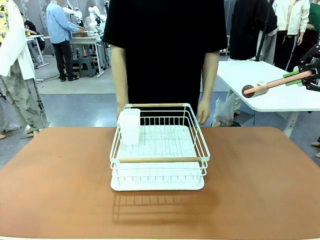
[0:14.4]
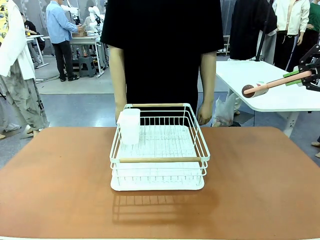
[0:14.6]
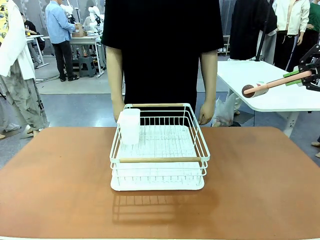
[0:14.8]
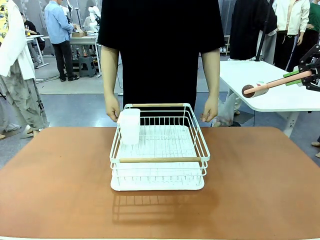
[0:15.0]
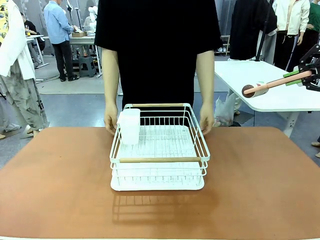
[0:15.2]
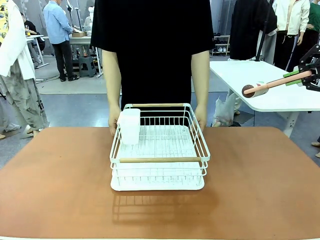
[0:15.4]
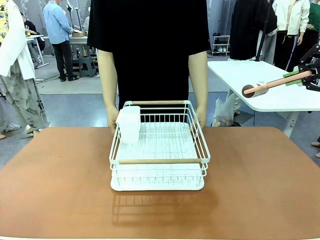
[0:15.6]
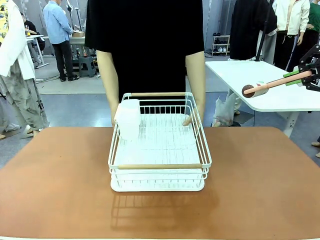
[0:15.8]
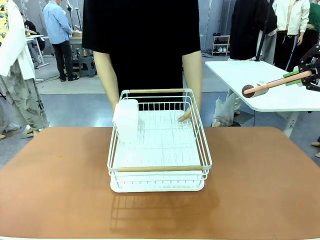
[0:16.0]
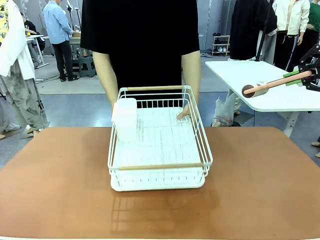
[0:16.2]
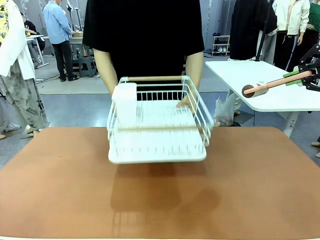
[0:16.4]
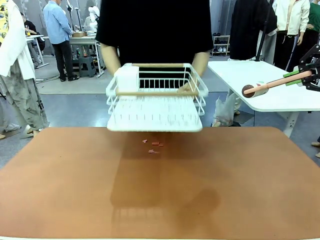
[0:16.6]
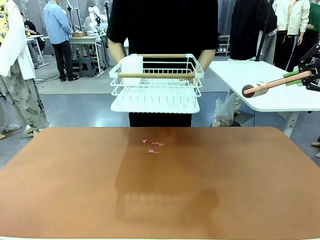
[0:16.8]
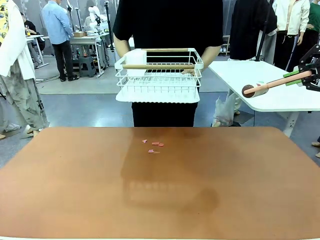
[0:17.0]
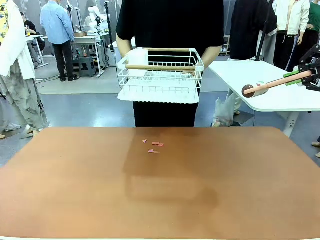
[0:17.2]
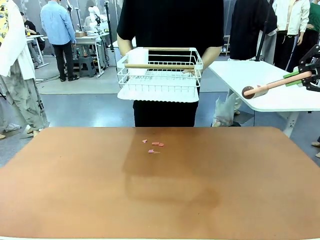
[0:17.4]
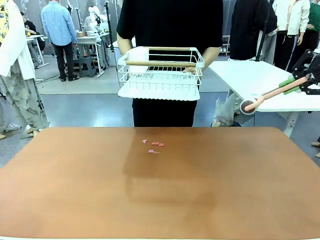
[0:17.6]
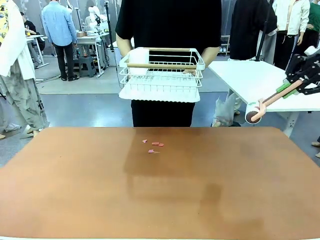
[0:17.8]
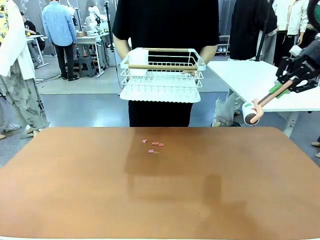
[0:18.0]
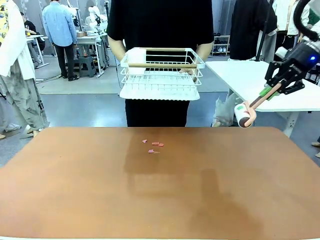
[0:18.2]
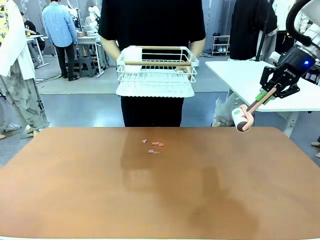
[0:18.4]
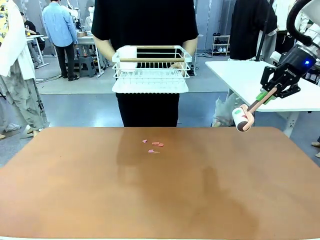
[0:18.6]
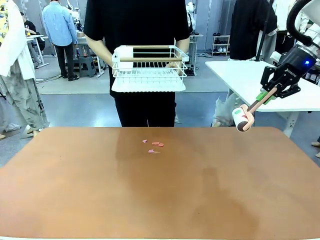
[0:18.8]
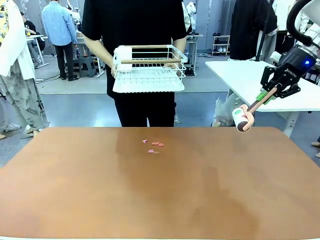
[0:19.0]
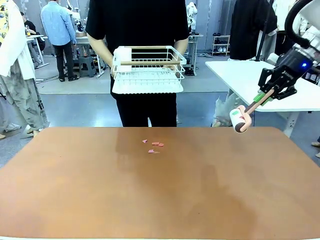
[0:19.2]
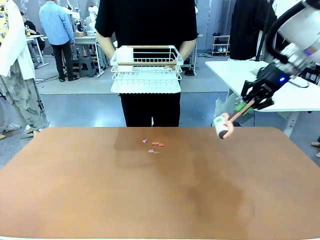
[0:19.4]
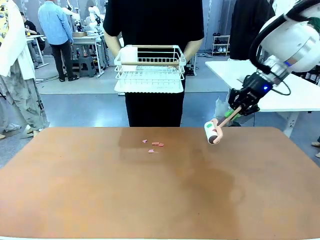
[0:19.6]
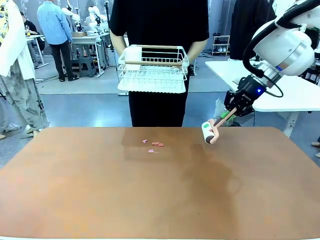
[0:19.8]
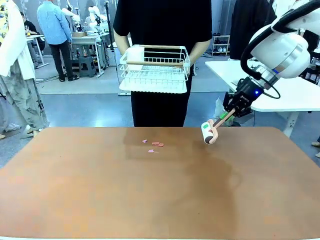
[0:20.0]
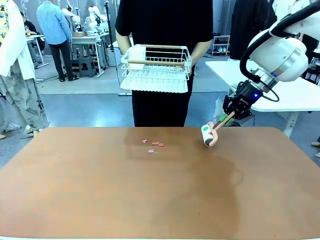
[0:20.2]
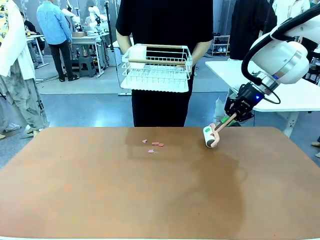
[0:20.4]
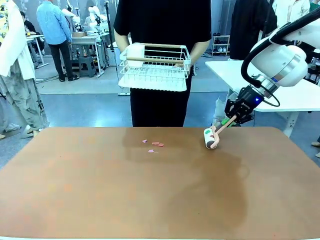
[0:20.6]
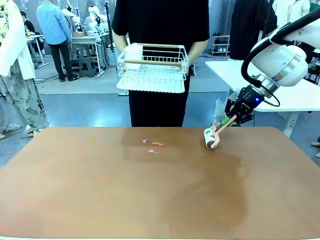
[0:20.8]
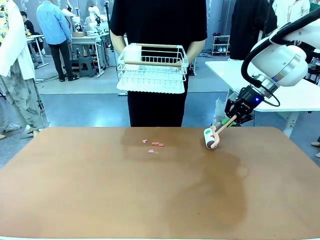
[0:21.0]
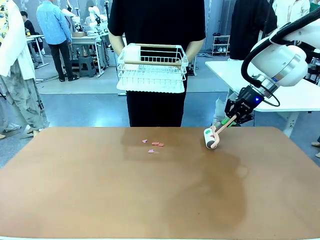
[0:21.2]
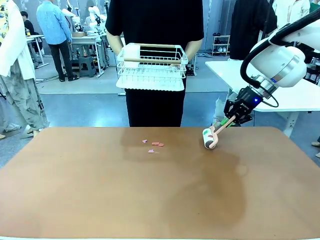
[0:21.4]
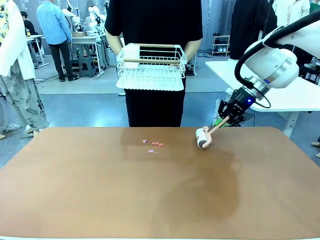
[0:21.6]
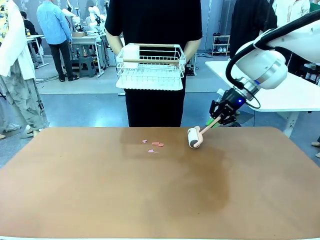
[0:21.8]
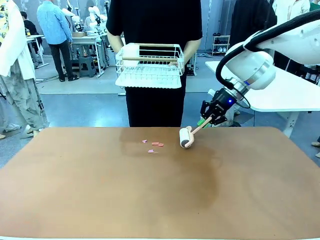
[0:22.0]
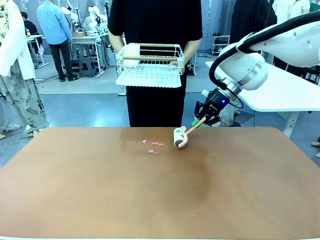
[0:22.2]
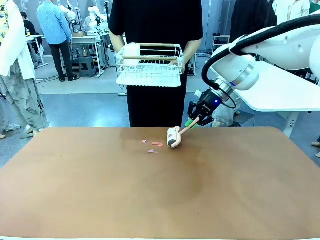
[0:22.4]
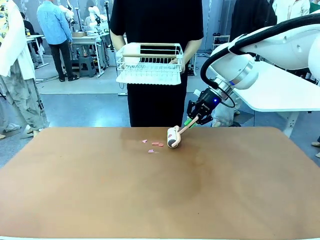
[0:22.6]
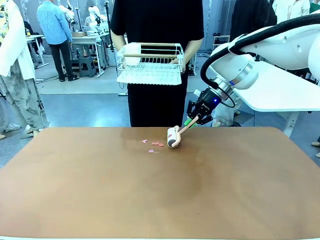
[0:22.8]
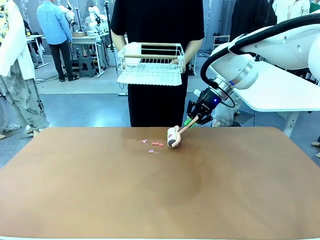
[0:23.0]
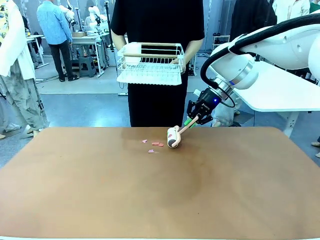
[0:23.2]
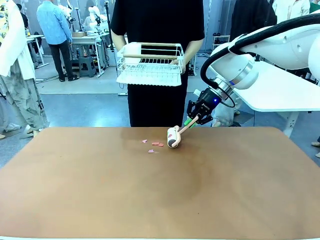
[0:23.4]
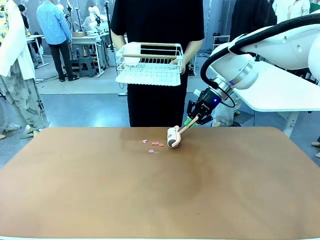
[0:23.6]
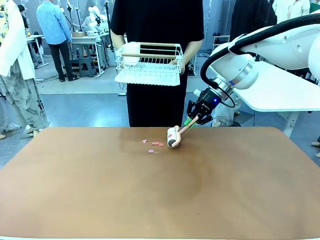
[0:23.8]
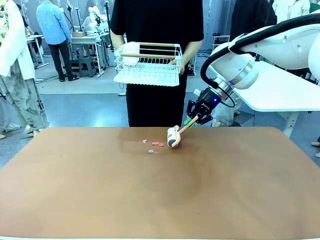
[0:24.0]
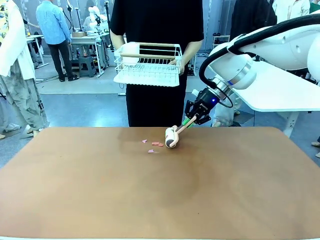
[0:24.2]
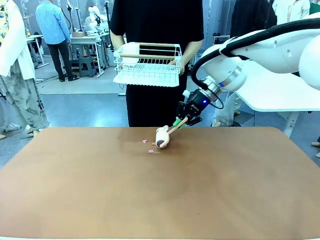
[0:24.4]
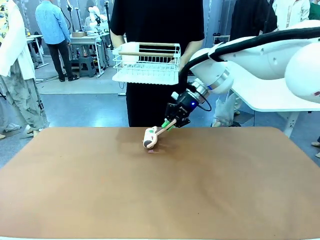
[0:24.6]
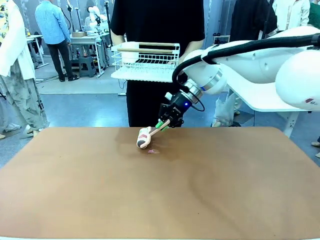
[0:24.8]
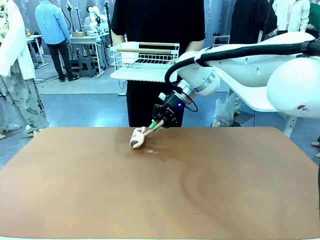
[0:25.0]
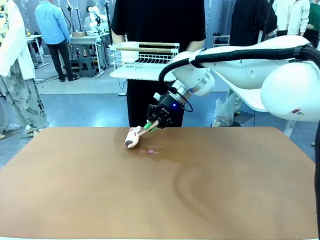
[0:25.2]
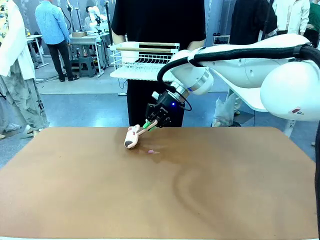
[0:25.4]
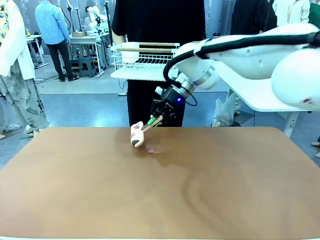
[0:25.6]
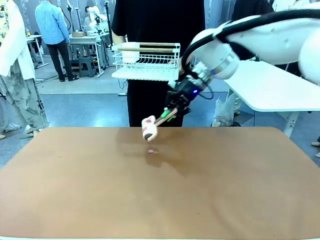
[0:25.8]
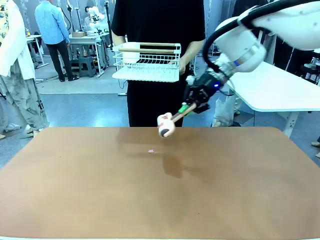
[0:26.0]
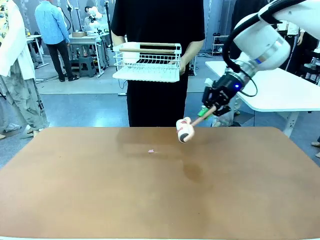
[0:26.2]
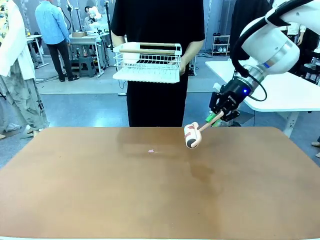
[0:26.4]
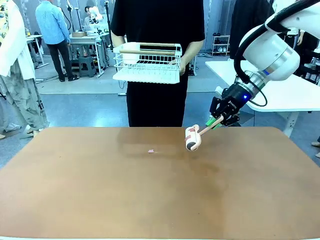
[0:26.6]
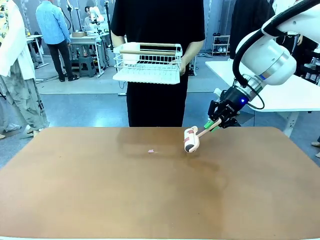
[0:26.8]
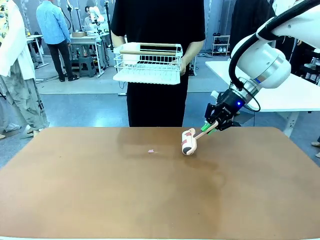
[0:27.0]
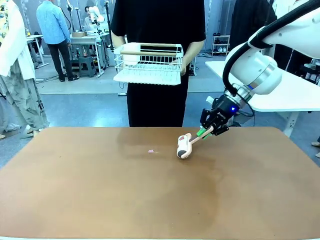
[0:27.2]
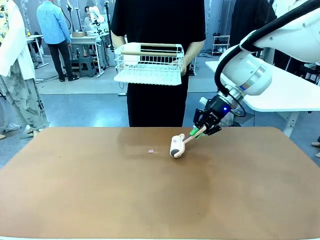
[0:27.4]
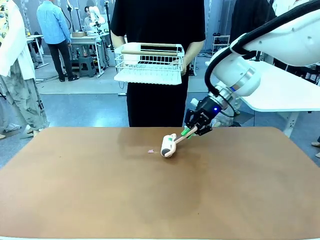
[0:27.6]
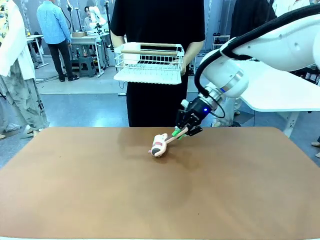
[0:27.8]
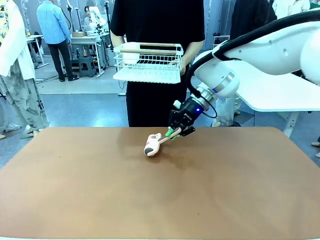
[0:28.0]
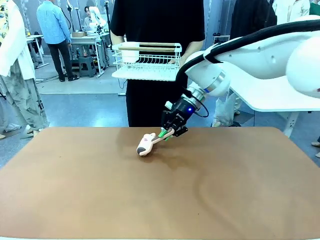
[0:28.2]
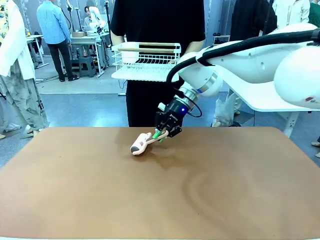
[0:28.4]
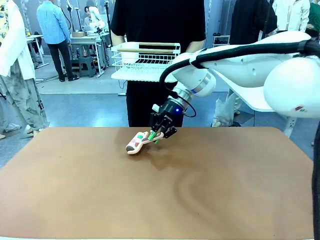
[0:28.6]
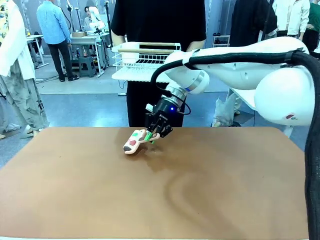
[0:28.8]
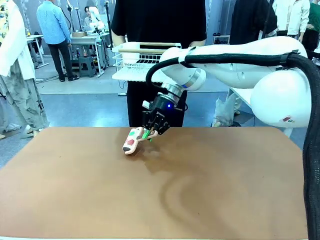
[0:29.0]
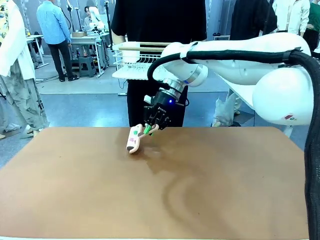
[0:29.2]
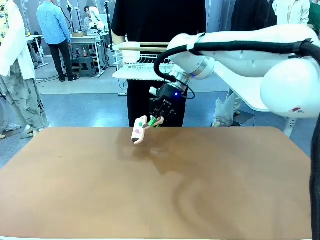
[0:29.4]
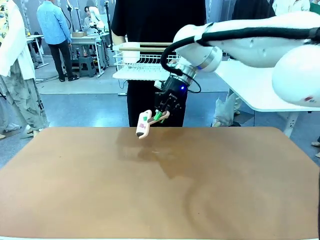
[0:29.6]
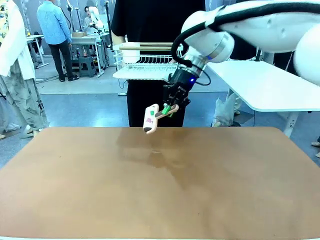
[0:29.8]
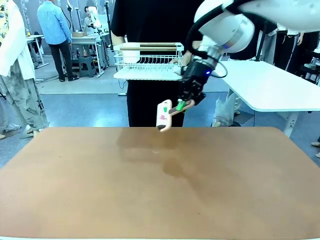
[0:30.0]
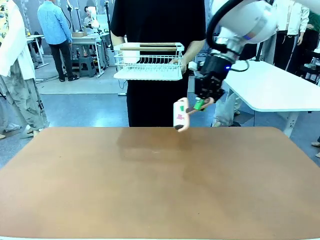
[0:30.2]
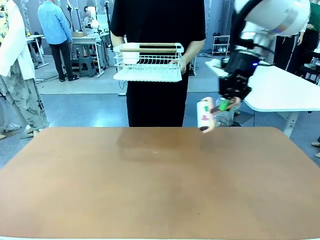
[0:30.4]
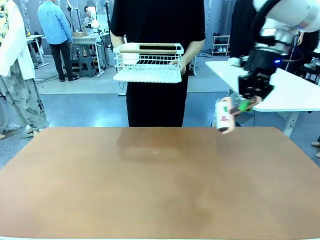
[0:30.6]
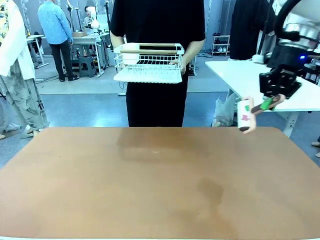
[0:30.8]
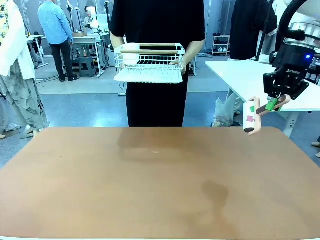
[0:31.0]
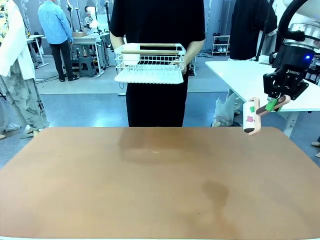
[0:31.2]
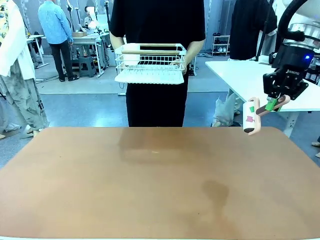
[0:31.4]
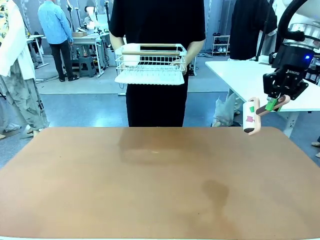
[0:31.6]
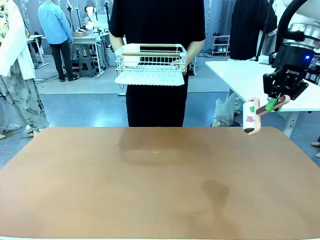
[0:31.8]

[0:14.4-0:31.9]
Task: Clean the table.
Robot: Clean the table with the Lint Roller when the human lifts the Dish drying rack.
Person: Place the Dish drying rack down when the robot finishes cleaning.
